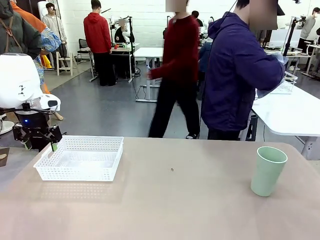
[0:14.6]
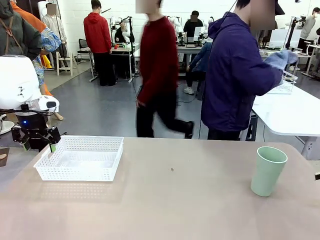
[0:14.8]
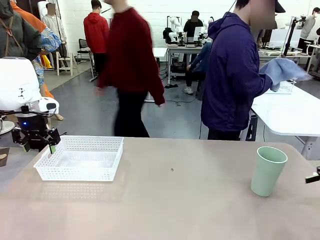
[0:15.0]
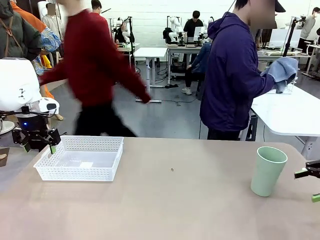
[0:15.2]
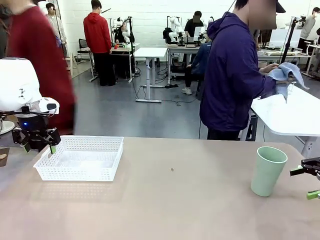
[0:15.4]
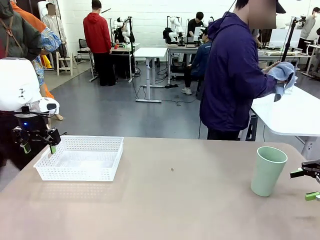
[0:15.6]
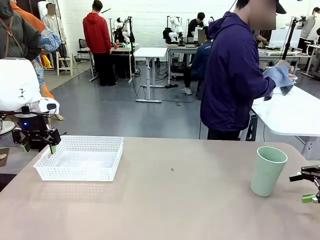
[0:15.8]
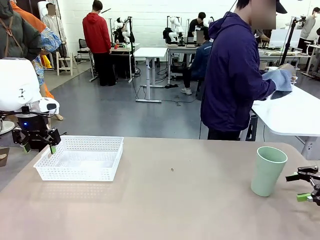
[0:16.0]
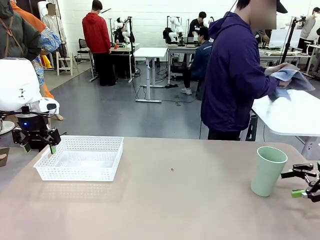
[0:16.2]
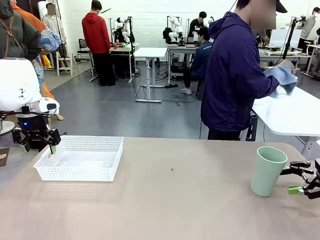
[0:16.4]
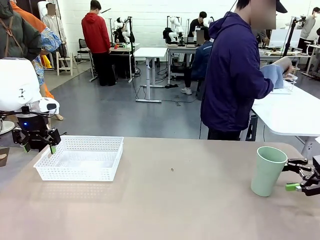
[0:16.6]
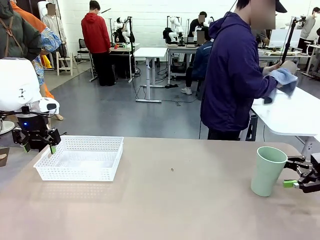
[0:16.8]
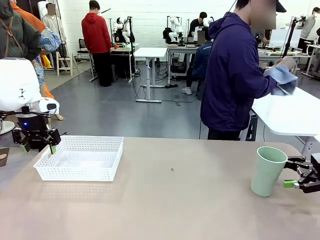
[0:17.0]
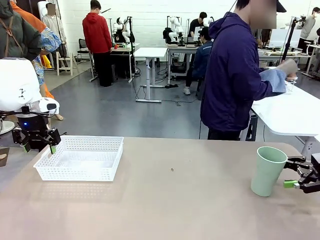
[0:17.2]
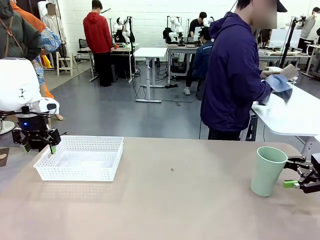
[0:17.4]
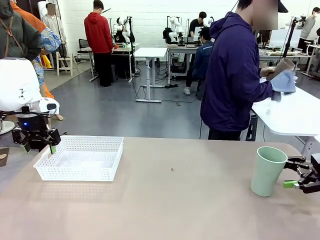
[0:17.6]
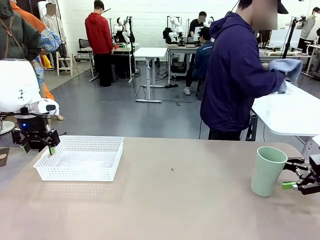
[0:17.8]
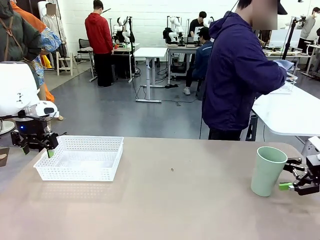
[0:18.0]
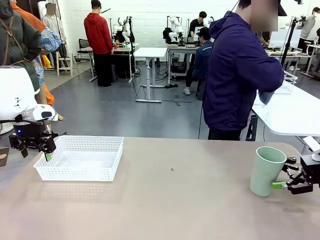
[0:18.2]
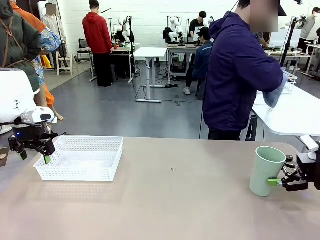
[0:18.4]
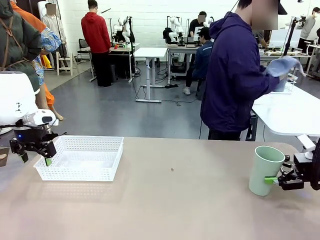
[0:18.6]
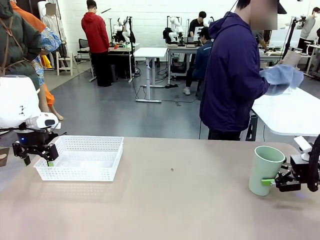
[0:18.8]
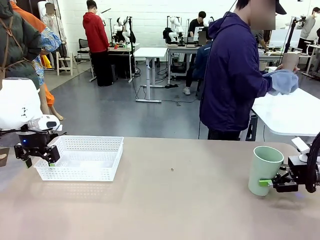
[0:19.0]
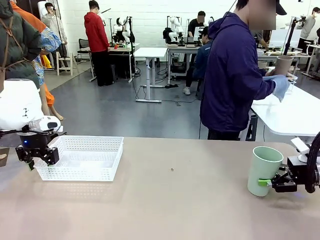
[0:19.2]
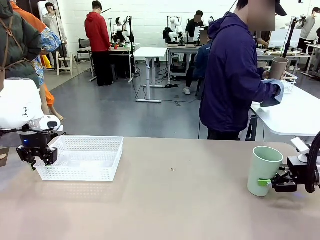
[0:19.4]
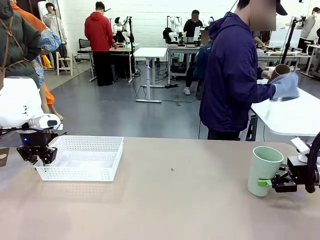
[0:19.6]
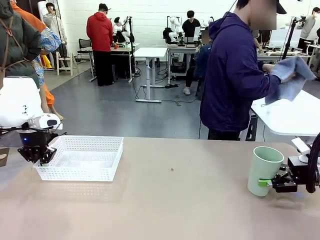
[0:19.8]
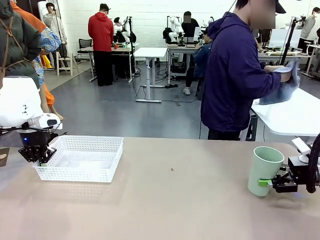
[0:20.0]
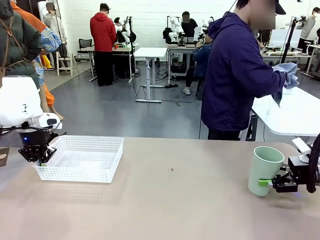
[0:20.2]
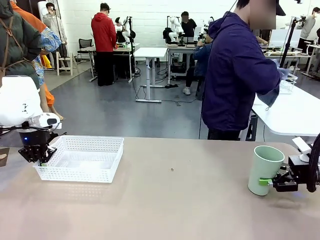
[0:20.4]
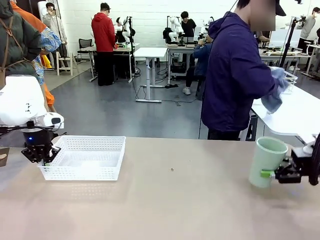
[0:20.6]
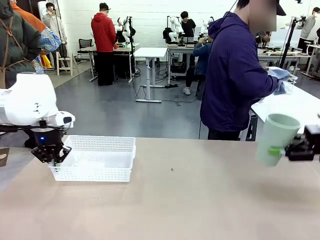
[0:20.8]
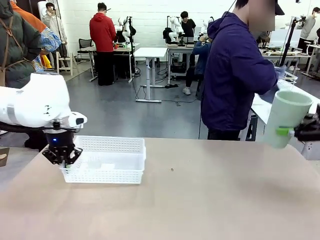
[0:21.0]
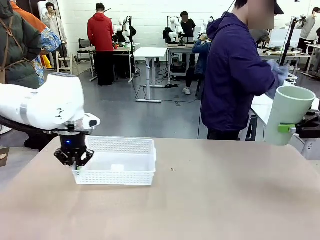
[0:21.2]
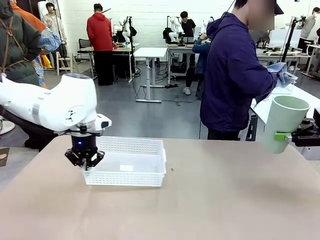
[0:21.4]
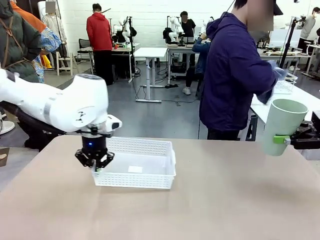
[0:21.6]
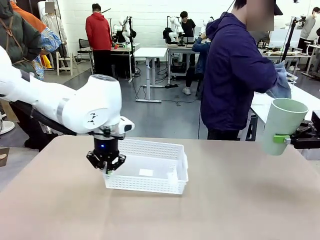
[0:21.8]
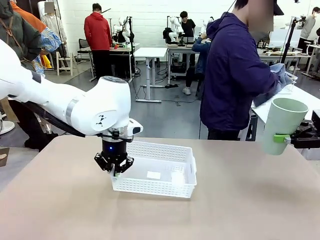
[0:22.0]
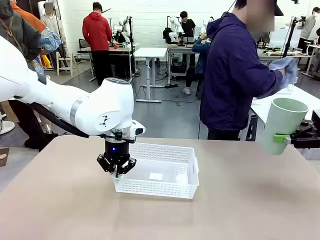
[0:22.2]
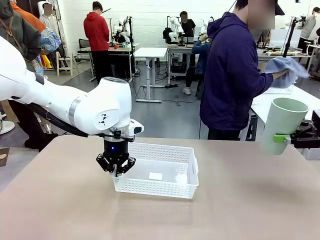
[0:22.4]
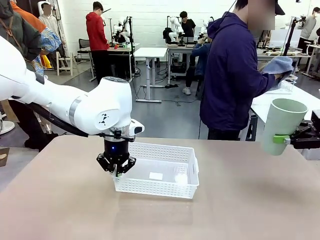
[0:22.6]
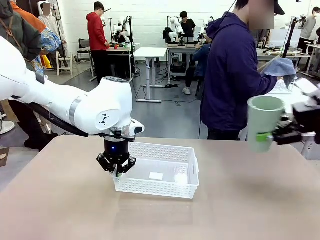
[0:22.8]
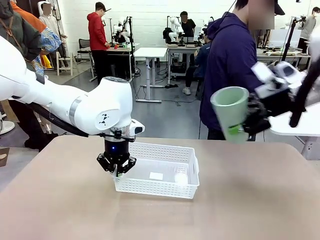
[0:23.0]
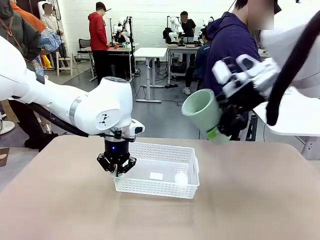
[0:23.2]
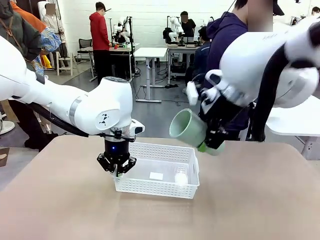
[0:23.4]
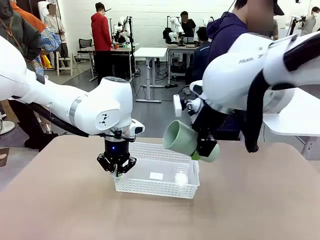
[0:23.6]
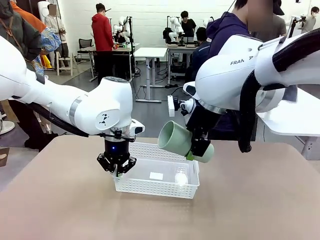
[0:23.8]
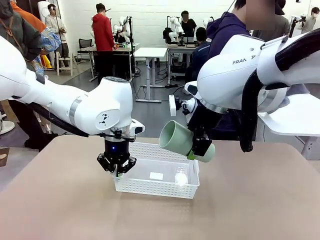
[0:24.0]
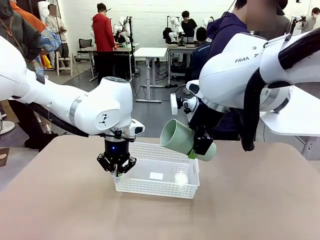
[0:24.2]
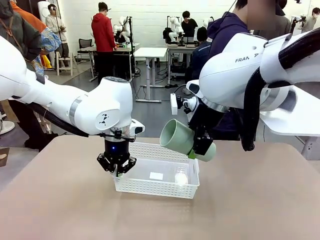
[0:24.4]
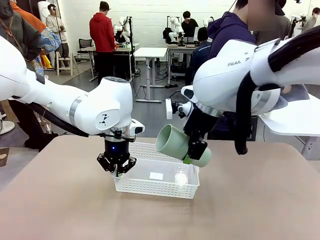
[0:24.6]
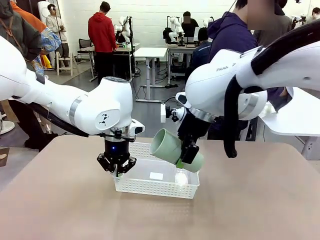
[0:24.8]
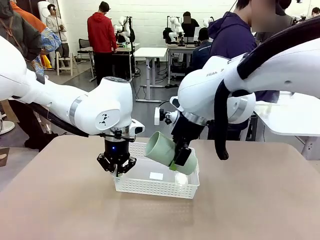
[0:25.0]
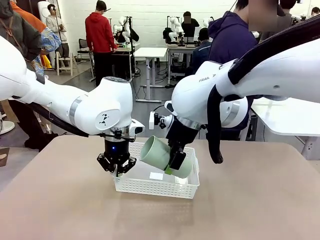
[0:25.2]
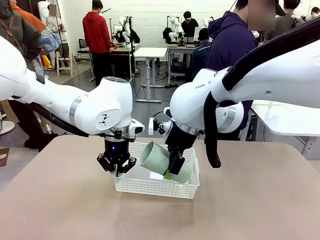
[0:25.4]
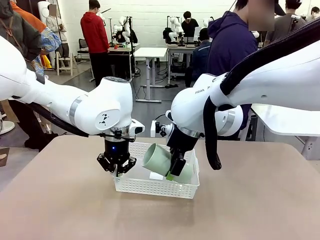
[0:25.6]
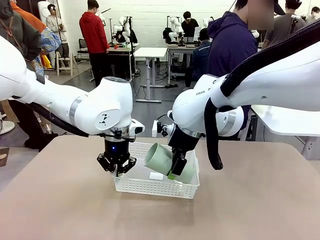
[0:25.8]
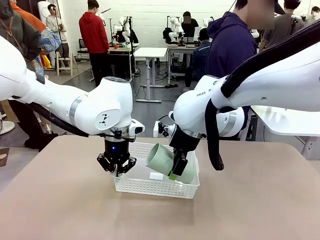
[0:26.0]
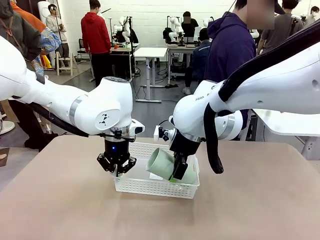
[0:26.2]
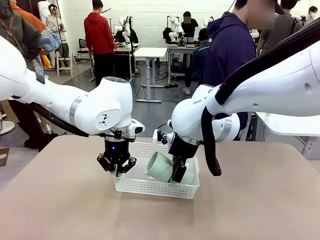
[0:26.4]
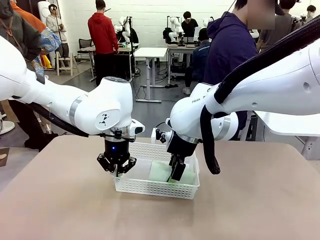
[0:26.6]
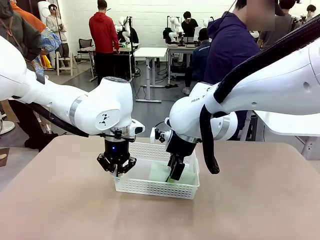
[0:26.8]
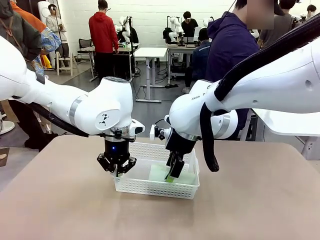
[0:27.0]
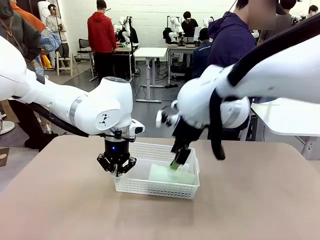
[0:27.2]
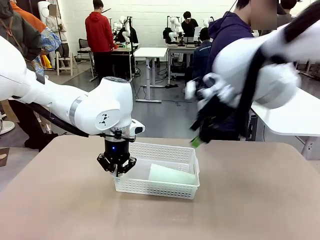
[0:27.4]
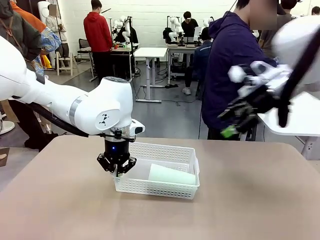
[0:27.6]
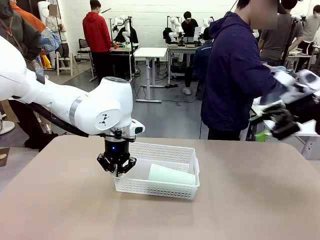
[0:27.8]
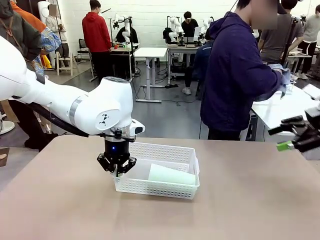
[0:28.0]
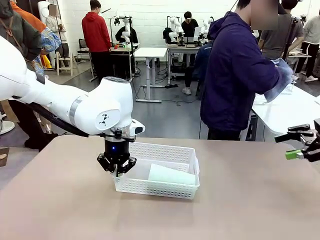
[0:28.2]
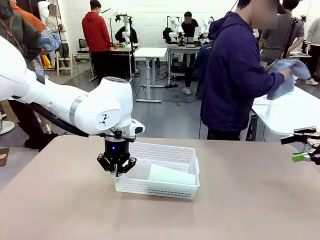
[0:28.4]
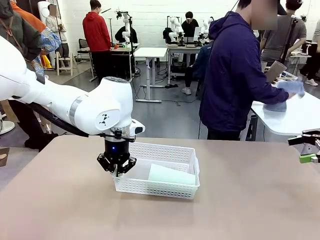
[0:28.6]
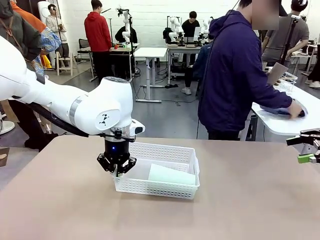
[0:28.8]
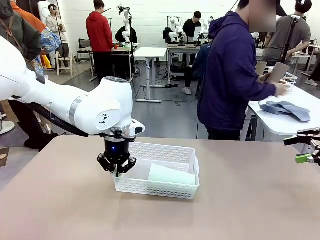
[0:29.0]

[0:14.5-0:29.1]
Task: Clean and organize the cups into the basket.
Robot: Pick up the Organizing basket and move it to the center of the table, then pick up the Reusable plastic cup from the right side of the table and place it inside the Organizing basket.
